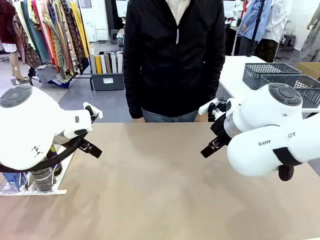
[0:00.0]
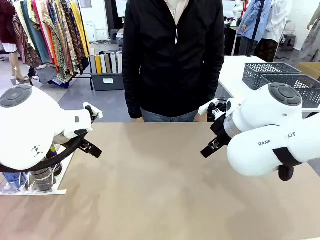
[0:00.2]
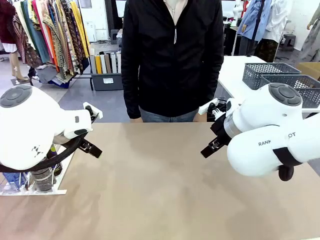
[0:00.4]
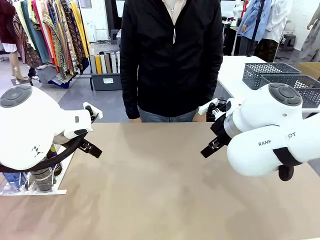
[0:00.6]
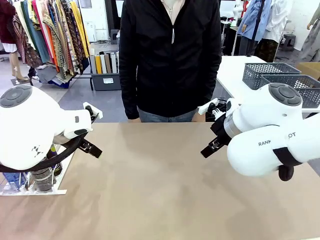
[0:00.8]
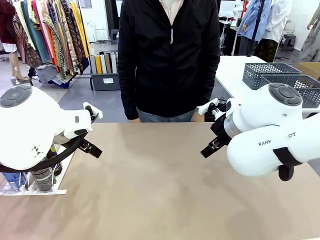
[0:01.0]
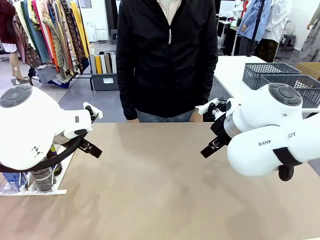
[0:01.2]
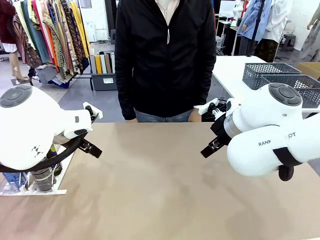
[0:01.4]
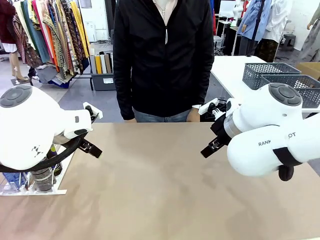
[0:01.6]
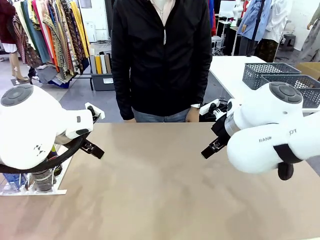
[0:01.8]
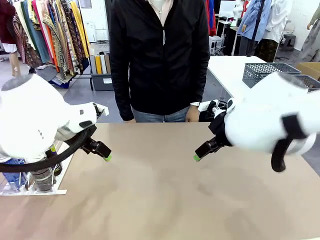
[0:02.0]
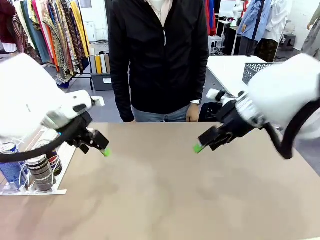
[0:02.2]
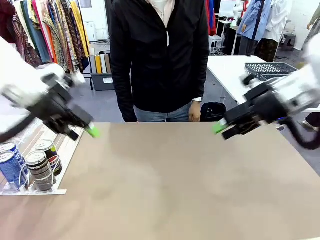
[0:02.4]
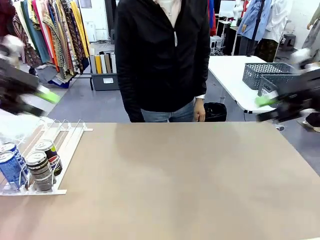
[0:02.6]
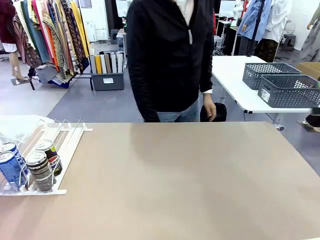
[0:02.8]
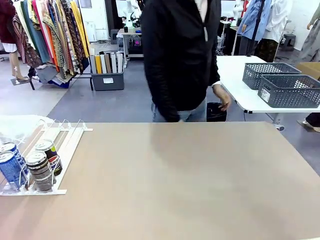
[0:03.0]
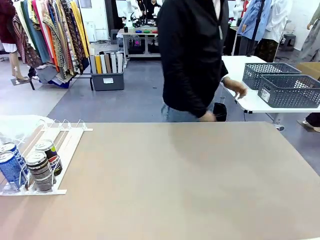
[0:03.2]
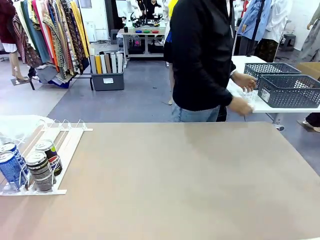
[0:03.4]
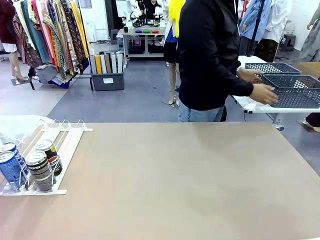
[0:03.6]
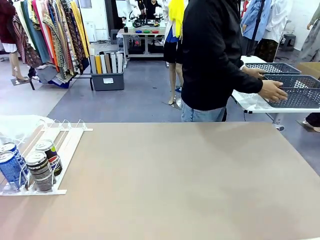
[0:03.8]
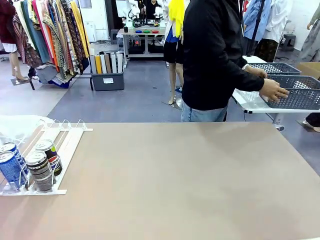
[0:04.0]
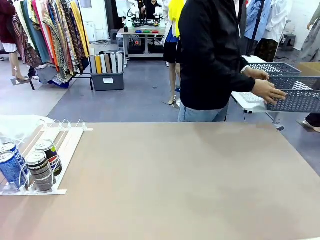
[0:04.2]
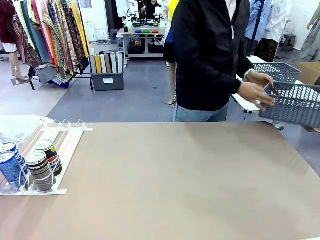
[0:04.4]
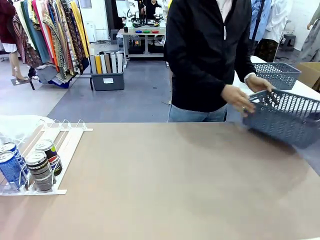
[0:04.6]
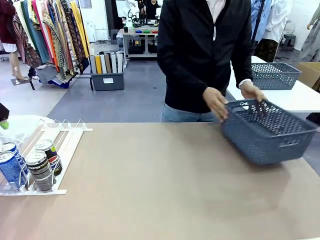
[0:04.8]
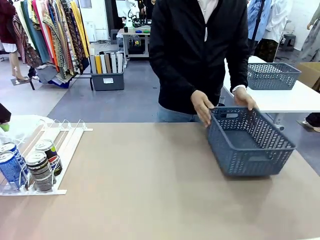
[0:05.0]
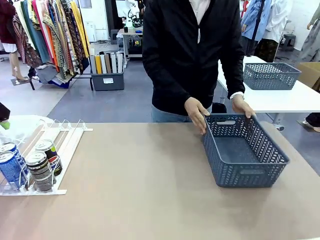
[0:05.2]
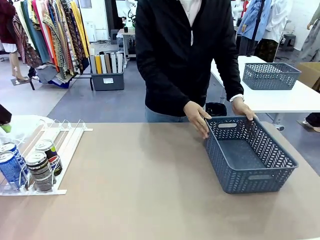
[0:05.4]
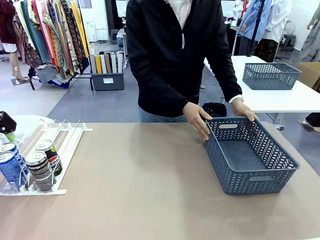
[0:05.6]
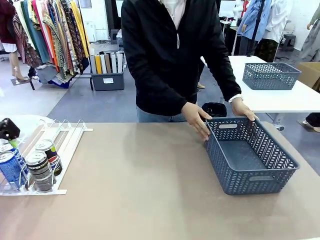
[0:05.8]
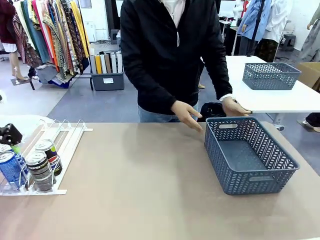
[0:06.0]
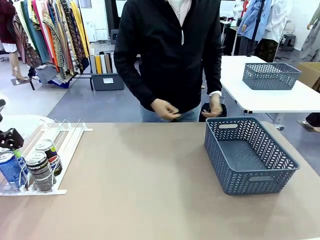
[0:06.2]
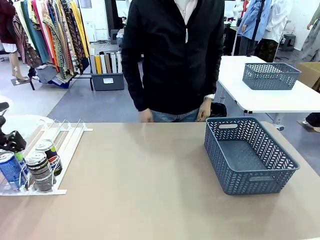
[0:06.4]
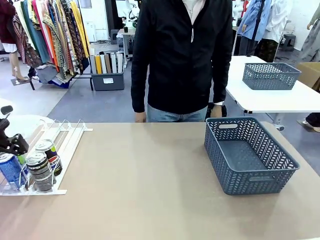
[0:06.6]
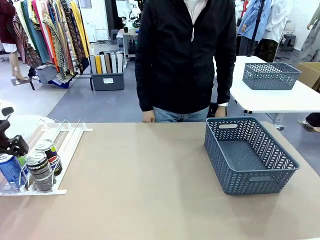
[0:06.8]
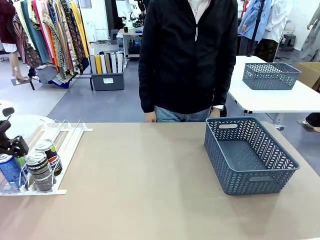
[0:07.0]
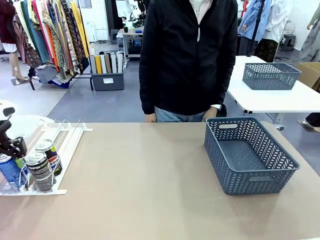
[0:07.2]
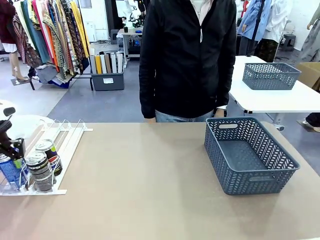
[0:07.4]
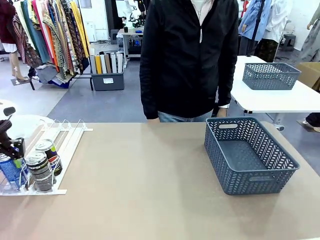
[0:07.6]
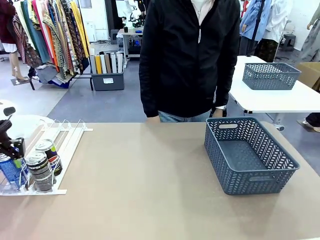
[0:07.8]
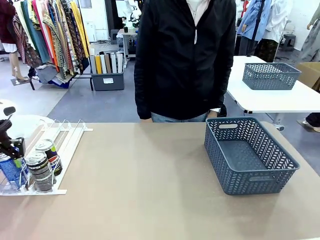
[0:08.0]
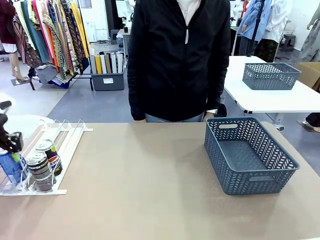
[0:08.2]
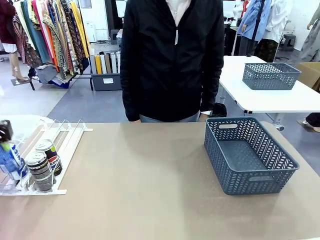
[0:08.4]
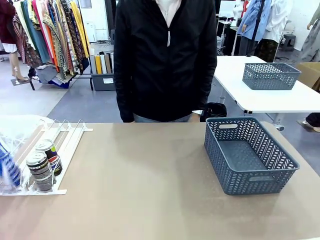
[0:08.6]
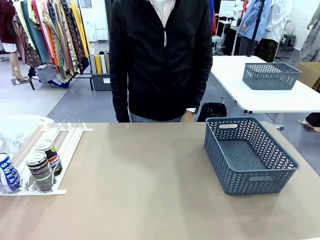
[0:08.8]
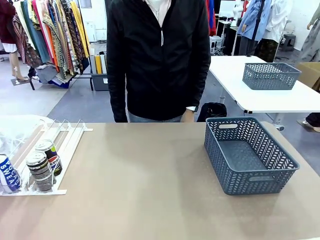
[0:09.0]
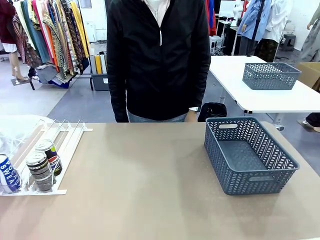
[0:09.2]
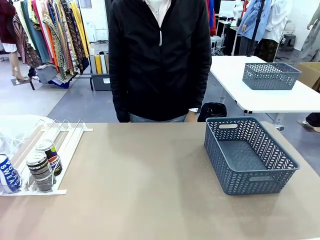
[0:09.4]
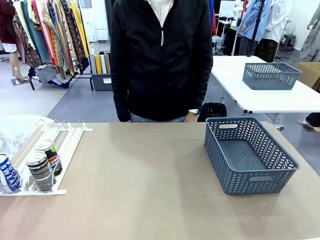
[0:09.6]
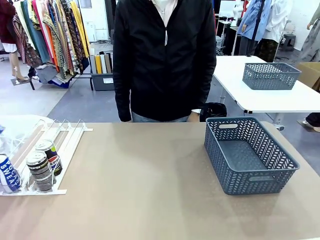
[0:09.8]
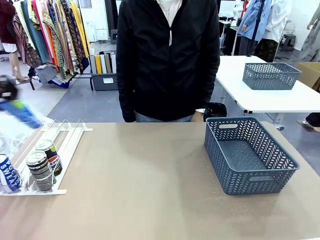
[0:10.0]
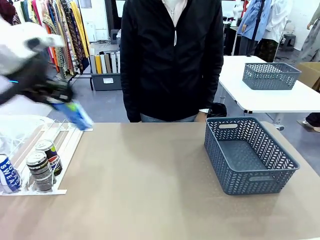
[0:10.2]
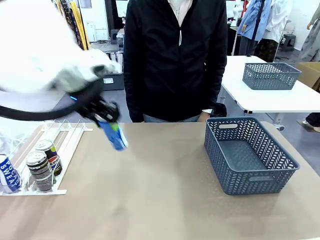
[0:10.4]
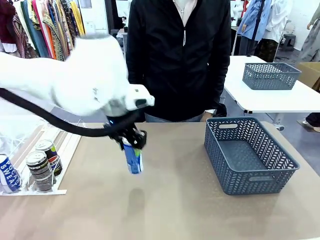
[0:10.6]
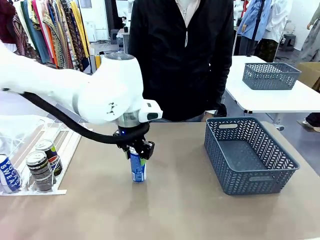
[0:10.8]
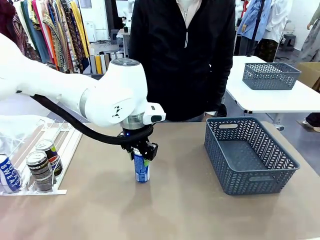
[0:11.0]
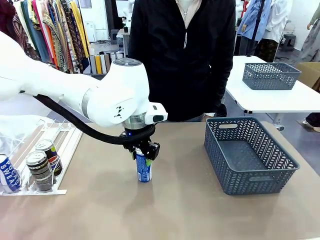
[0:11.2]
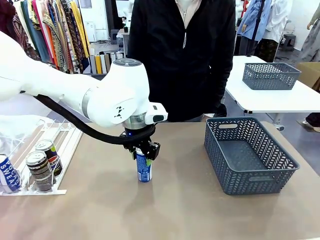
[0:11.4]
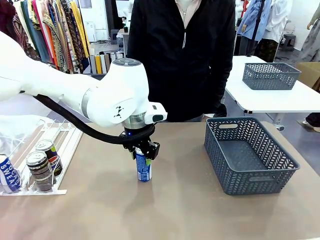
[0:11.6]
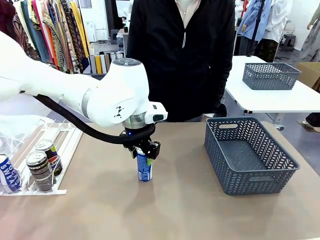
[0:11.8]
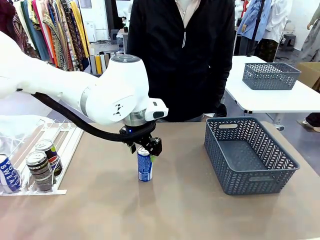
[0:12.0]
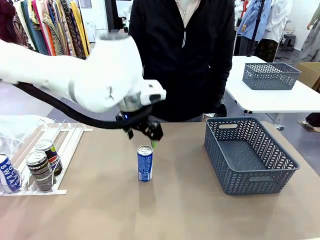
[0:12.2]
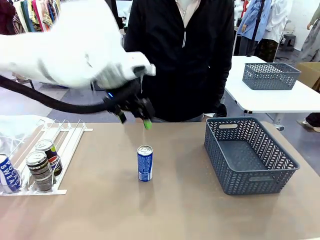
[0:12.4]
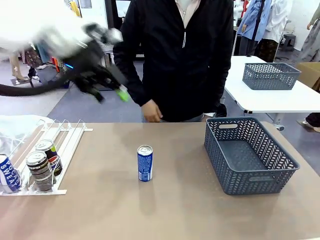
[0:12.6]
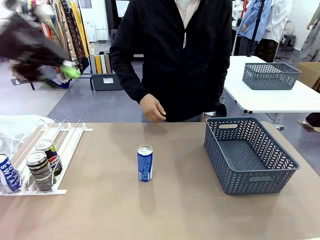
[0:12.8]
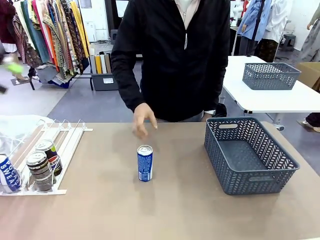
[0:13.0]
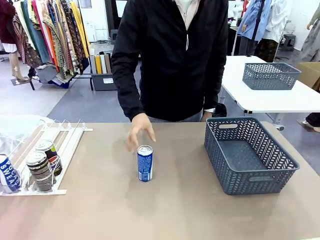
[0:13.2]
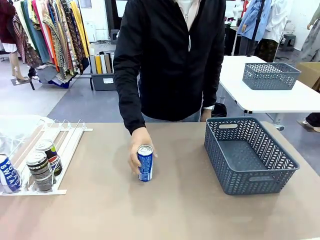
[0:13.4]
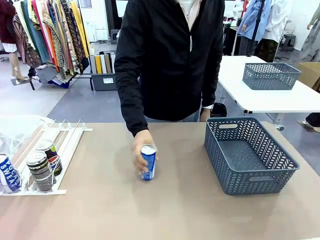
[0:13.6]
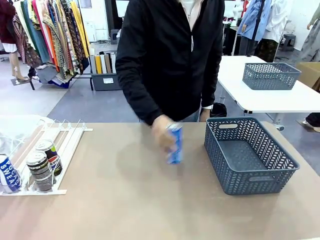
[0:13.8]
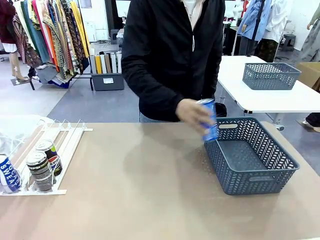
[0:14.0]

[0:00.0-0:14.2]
Task: Retrieve and store the cans from the dispenser.
Robot: Pick up one can from the Automatic Can Dispenser and place it in the middle of the table.
Person: Pick up the basket and place it on the left side of the robot table.

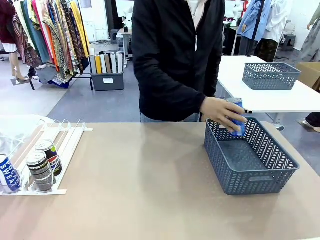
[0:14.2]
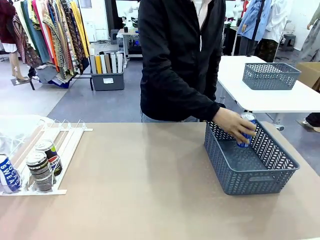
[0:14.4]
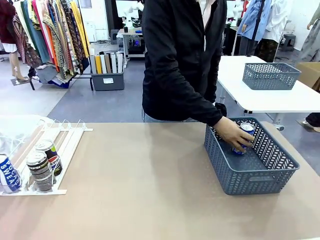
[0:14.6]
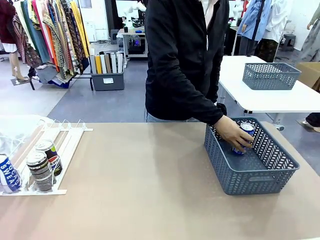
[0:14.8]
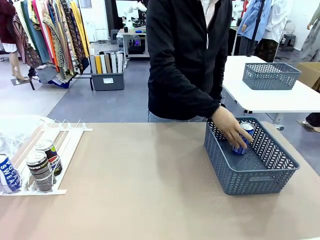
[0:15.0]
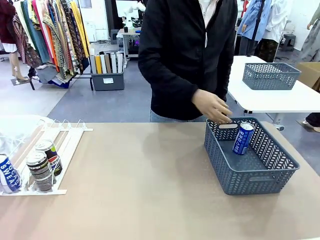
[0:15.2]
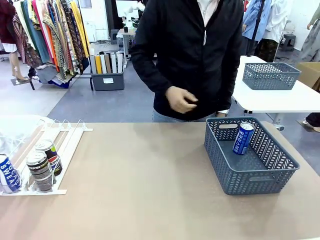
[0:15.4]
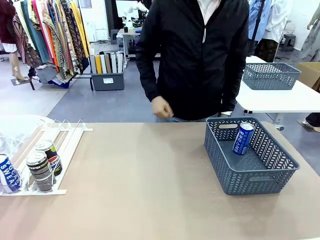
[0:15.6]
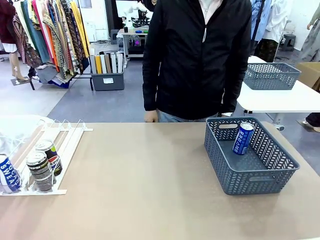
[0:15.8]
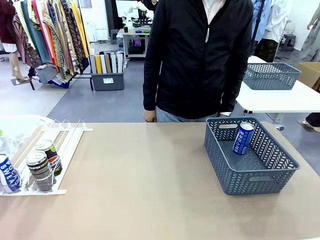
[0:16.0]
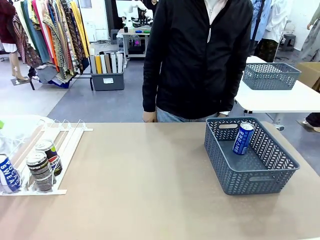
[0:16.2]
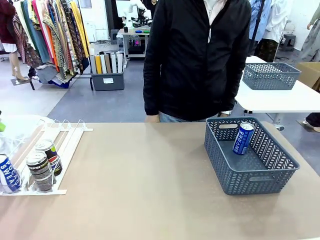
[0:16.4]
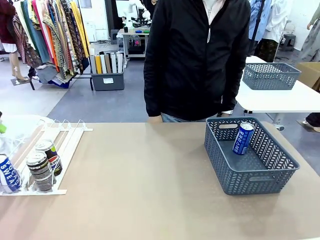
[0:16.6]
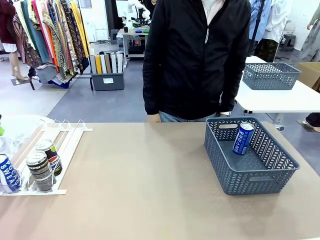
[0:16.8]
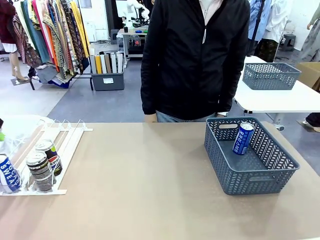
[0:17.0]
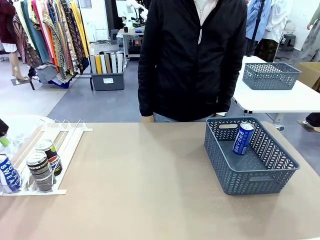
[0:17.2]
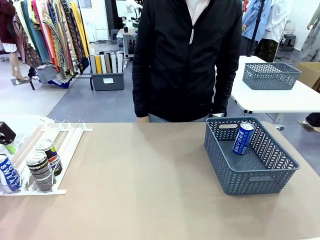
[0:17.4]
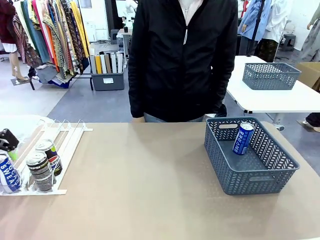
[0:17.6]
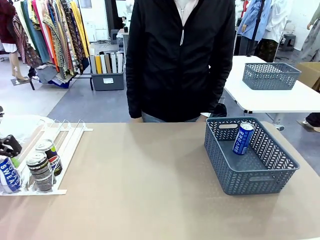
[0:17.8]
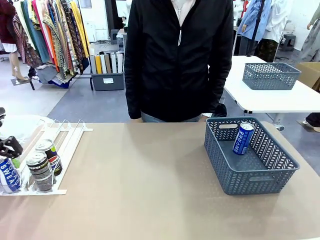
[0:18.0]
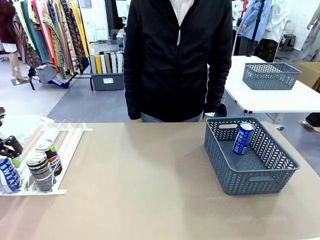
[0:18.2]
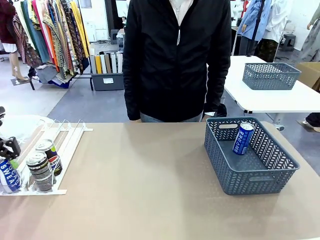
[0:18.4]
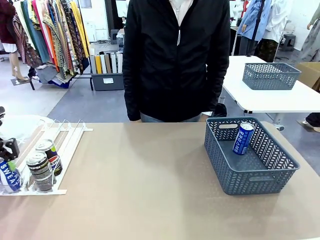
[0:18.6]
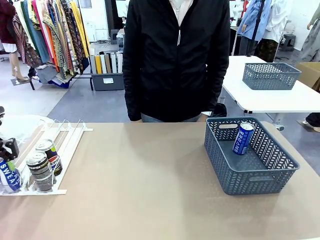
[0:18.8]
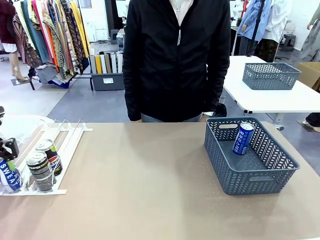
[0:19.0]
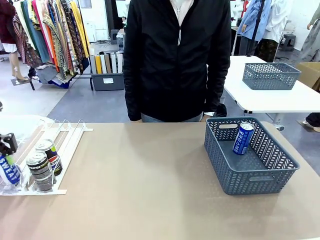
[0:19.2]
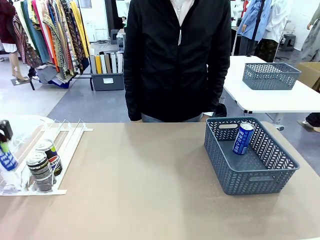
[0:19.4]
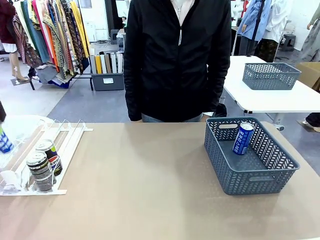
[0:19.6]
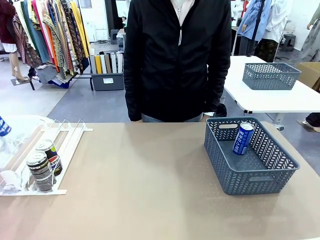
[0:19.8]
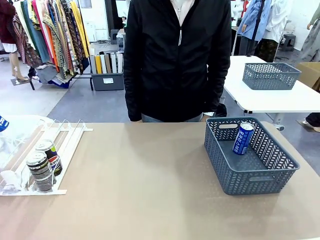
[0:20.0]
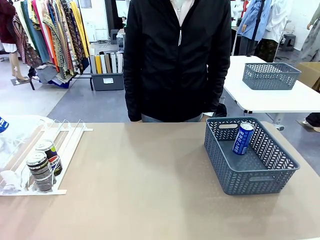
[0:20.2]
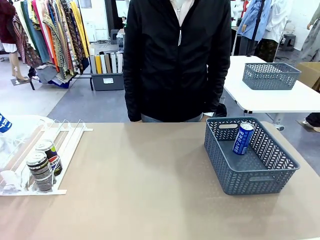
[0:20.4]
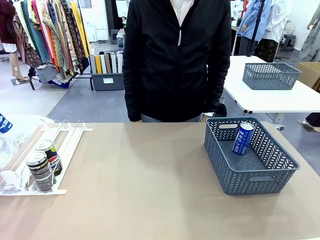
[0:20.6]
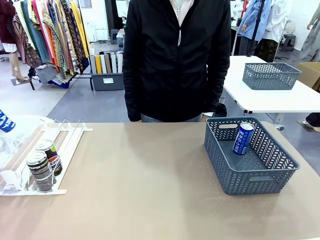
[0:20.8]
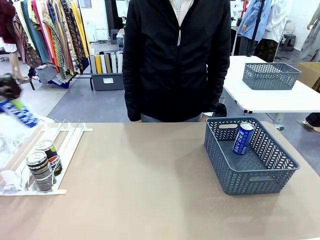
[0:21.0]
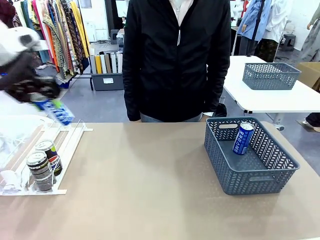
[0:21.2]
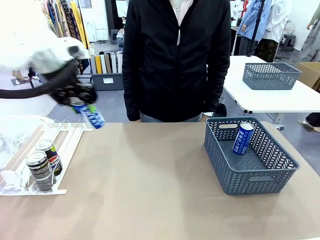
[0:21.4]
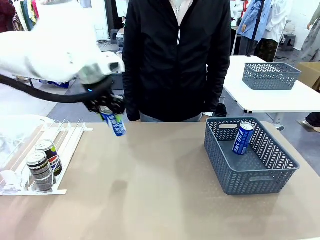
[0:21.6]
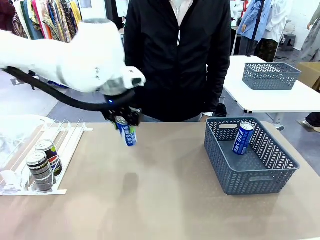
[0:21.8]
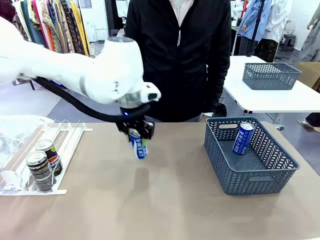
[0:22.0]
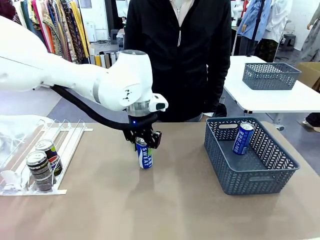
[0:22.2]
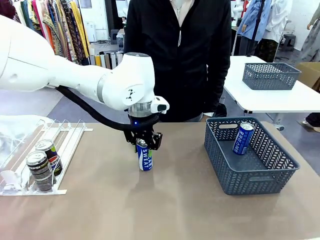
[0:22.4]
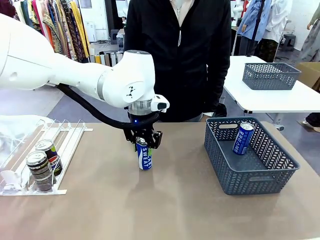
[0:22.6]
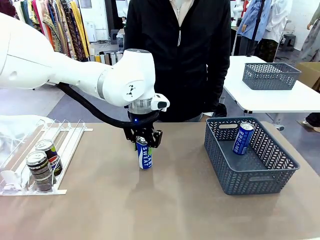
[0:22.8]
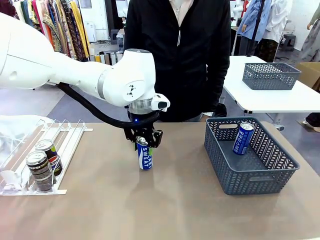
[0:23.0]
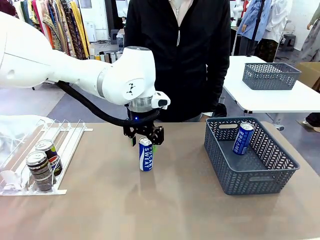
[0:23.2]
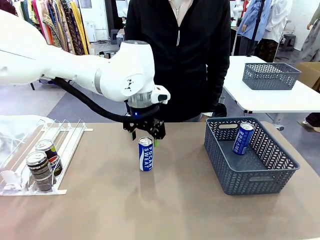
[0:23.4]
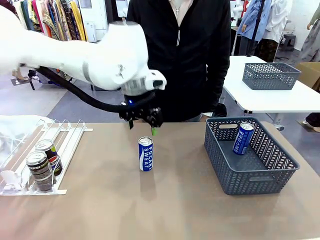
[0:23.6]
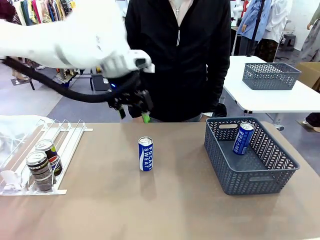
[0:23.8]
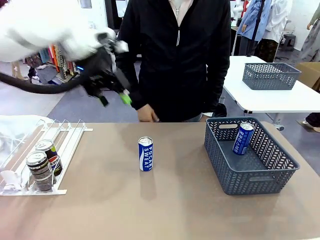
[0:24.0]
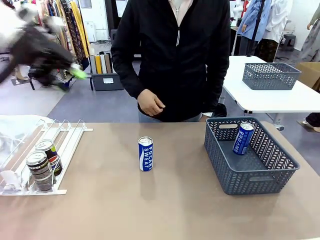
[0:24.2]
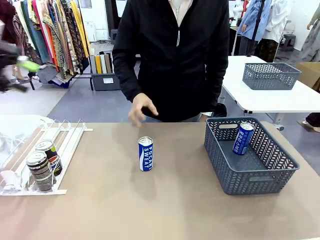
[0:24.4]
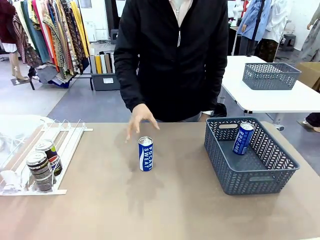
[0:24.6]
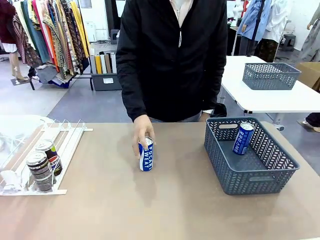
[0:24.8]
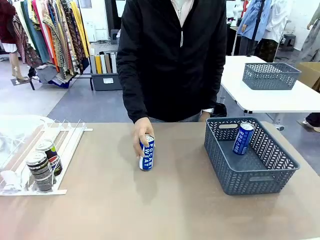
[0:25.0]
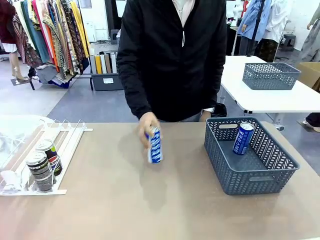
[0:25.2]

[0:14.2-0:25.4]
Robot: Pick up the last remaining can from one row of the Automatic Can Dispenser and place it in the middle of the table.
Person: Pick up one Pepsi can from the middle of the robot table and place it in the basket.
